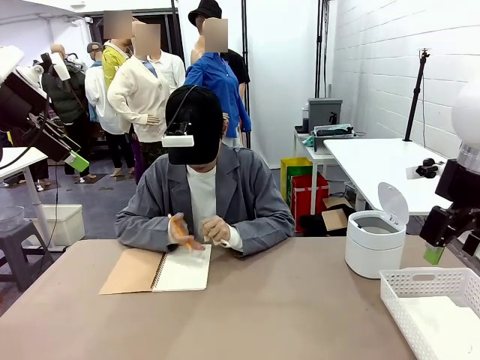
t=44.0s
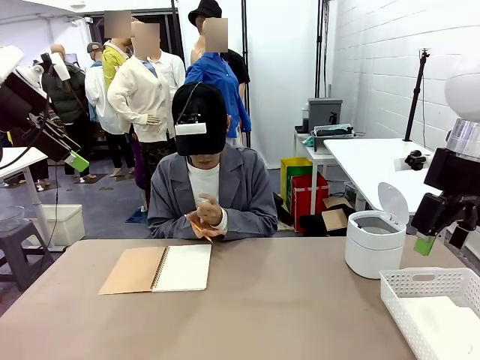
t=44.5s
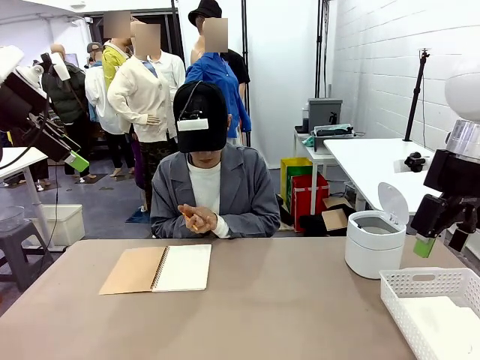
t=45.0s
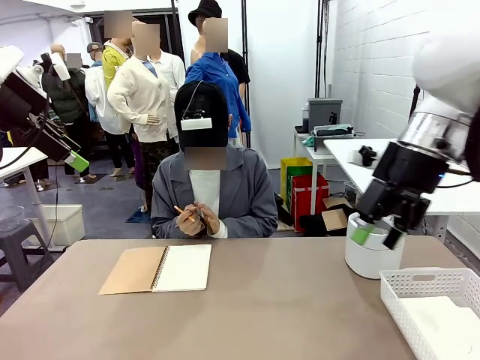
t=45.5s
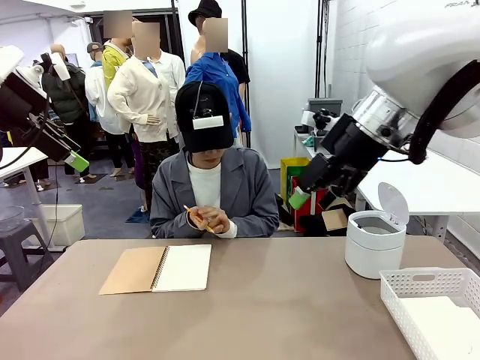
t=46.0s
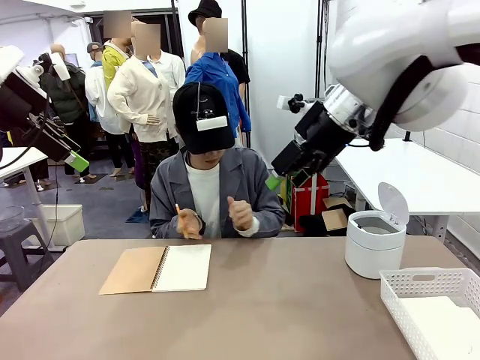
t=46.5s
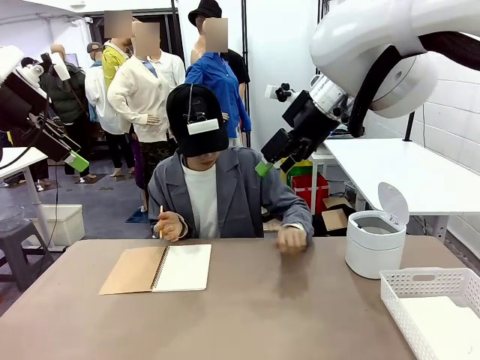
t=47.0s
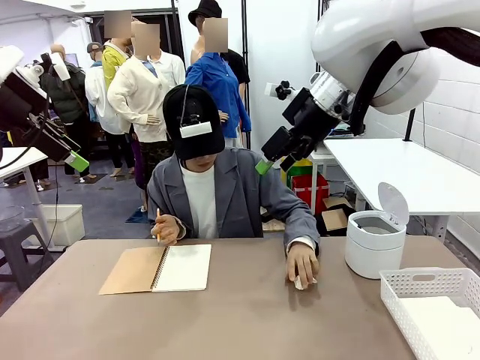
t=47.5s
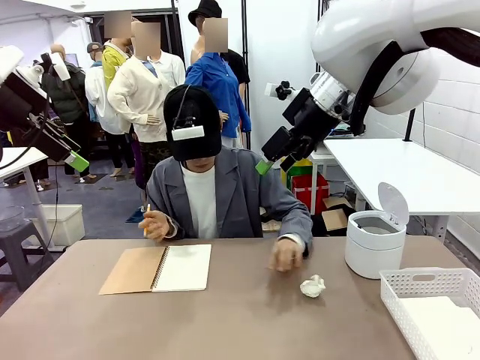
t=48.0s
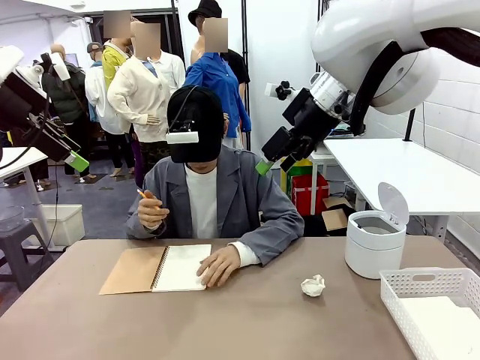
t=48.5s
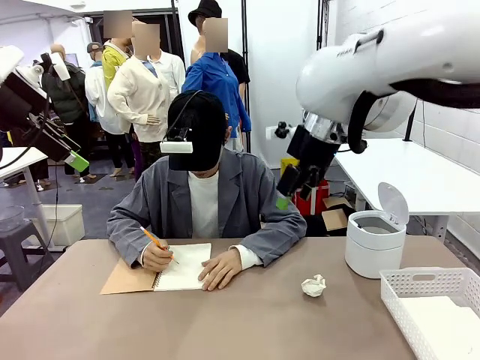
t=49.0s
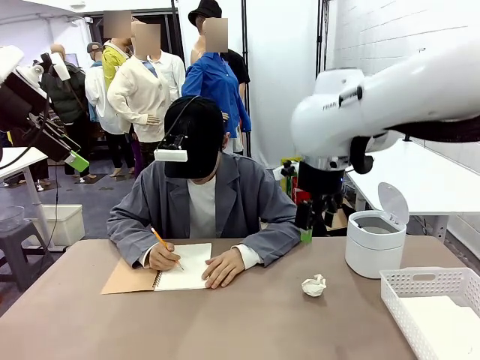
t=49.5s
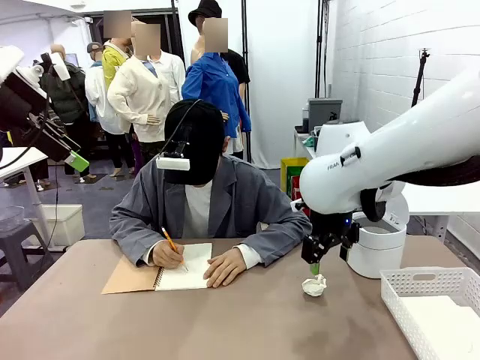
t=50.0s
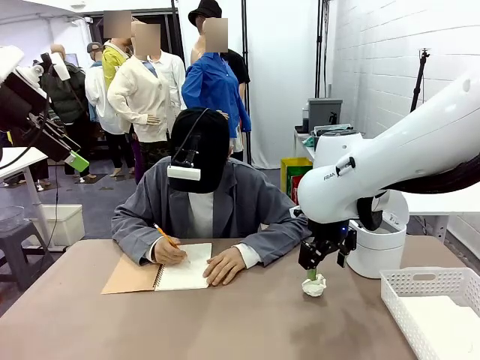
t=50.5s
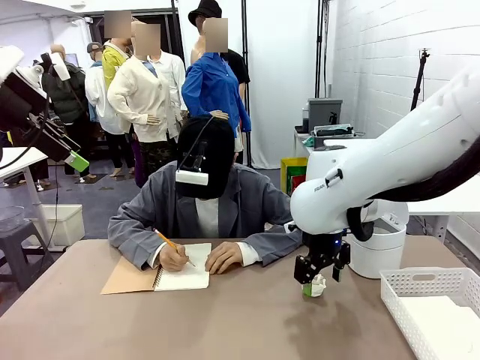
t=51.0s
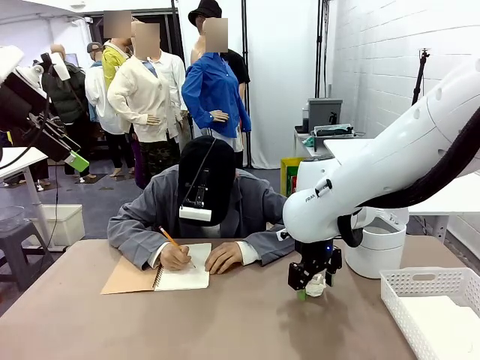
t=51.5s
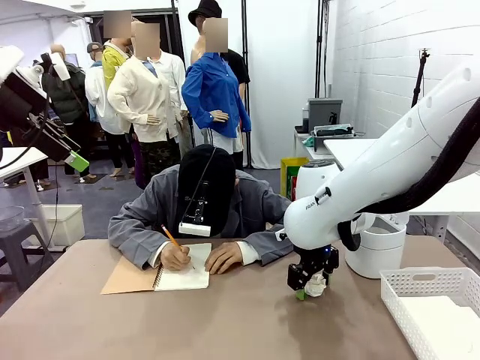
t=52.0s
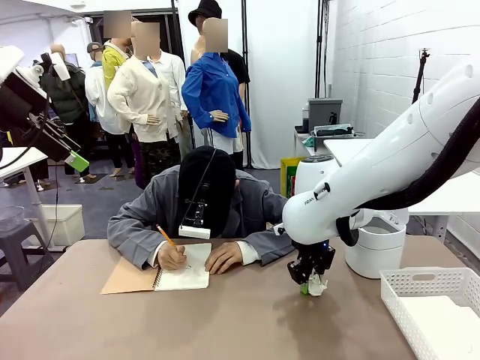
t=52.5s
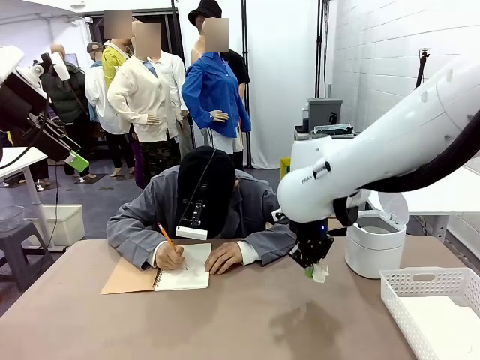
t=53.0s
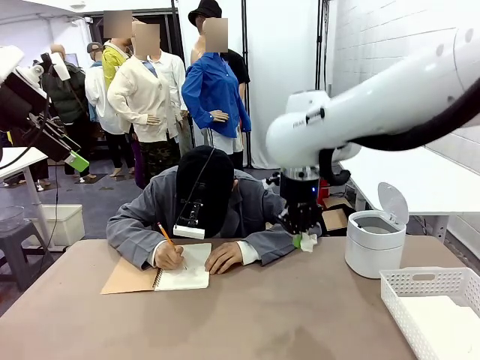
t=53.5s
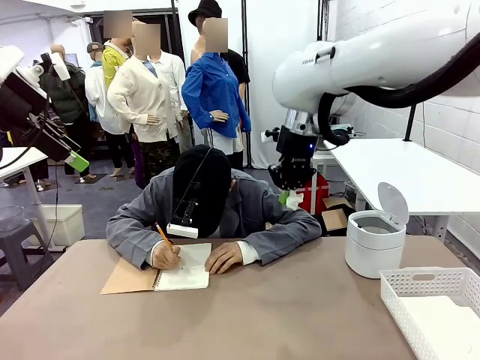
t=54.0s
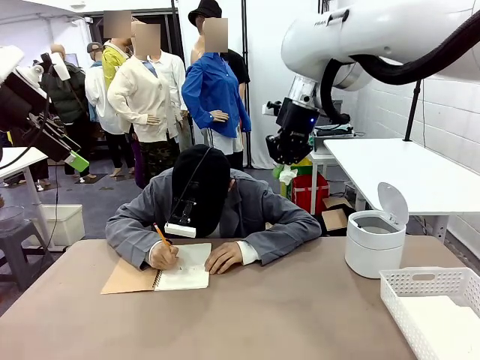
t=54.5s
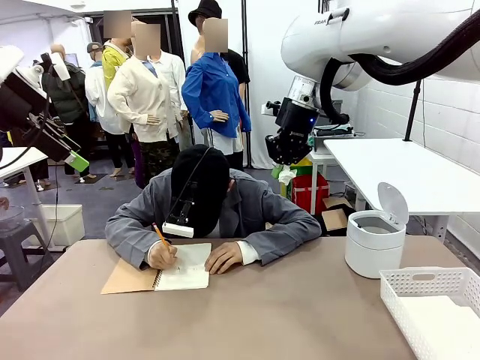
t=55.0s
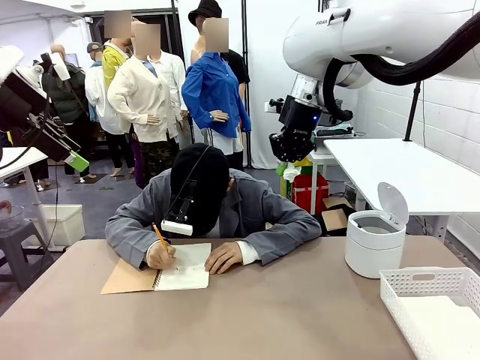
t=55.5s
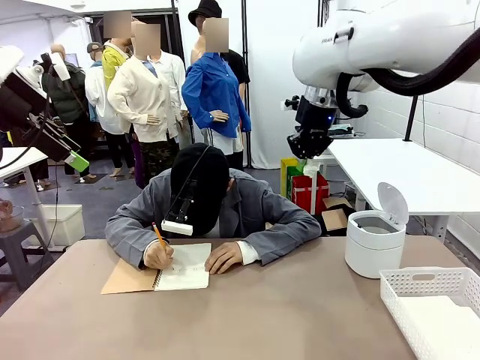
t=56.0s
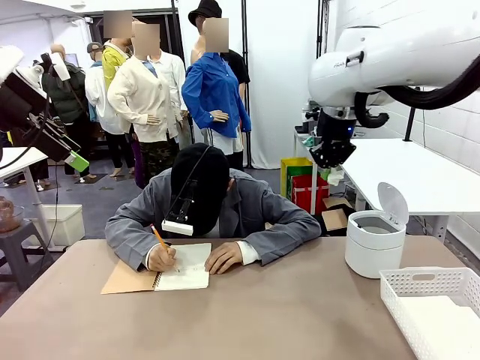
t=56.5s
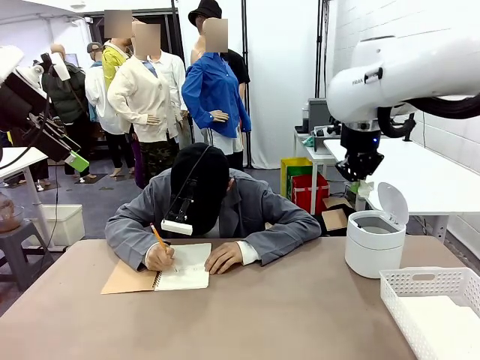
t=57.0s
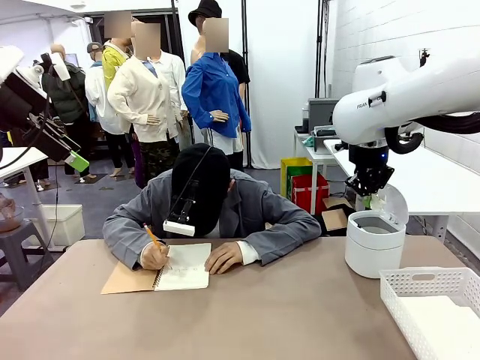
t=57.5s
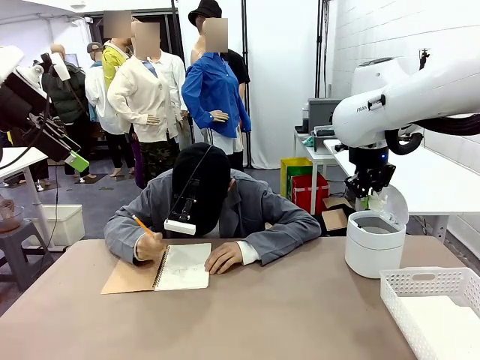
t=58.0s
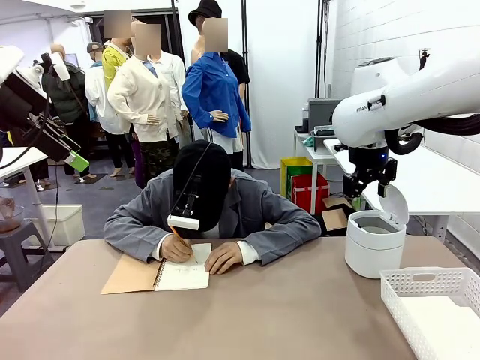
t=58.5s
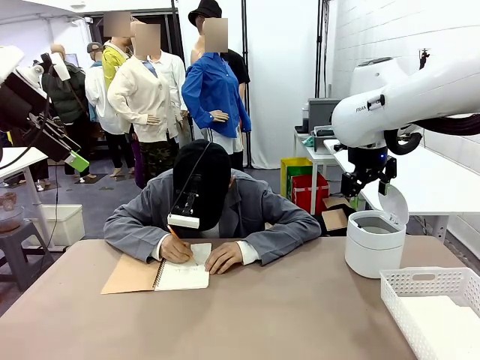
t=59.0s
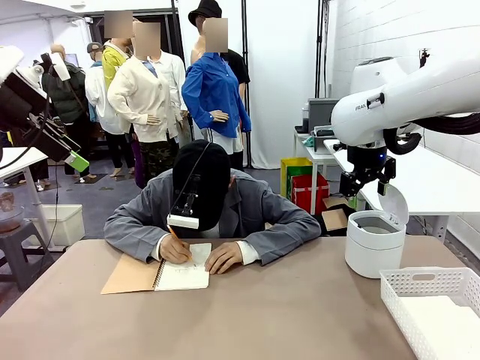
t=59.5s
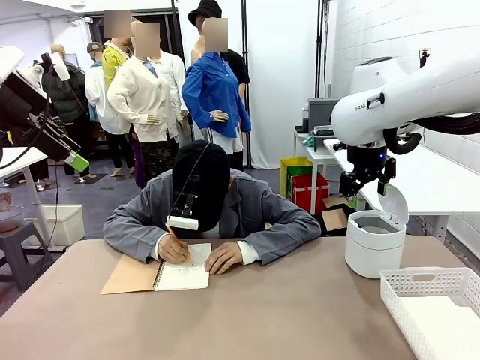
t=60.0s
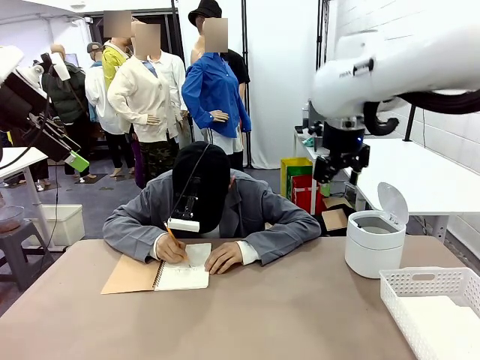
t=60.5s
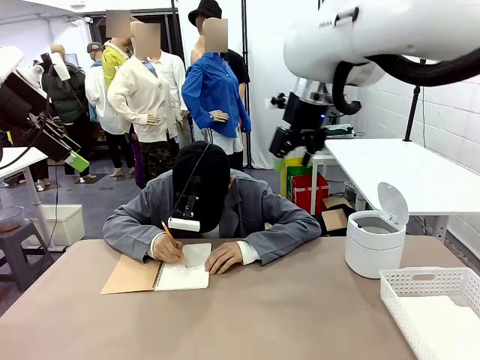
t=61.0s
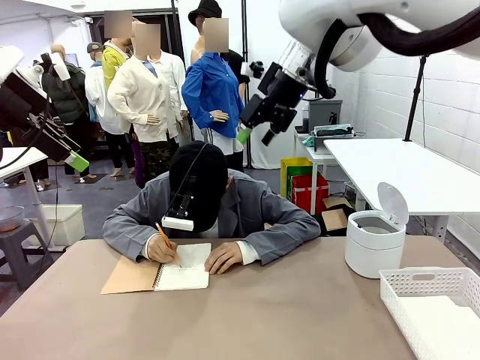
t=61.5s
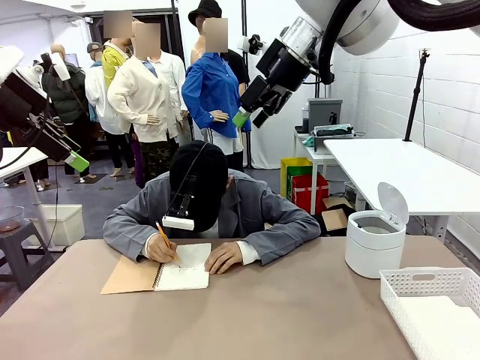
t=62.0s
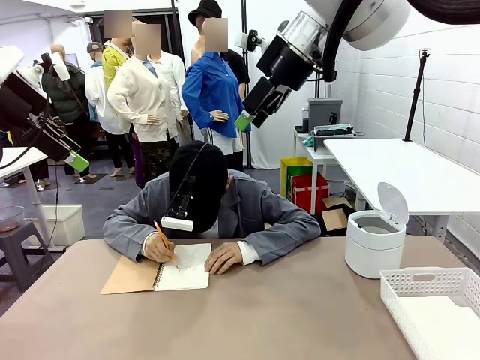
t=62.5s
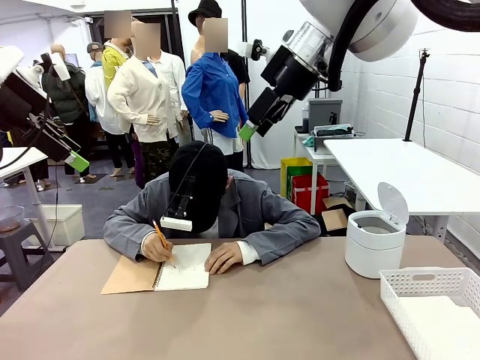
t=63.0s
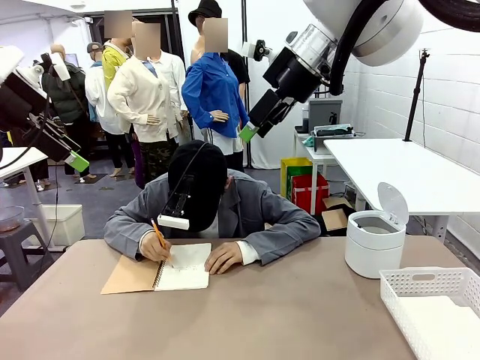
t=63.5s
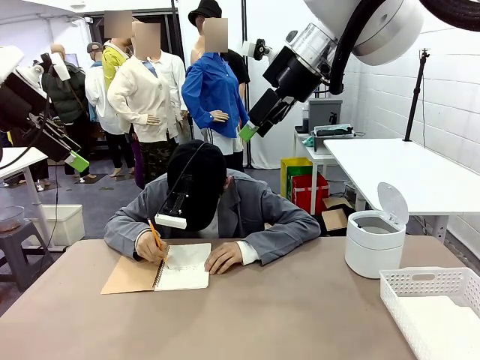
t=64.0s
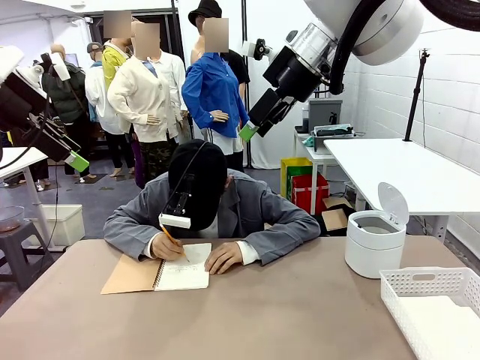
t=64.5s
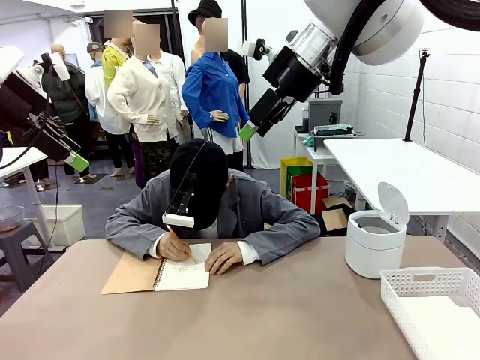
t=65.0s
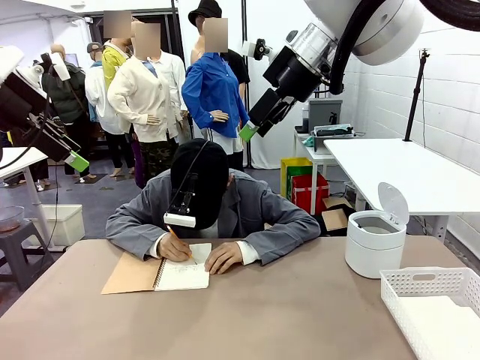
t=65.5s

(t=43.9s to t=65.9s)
Task: Sort the paper based on its condition.
Robot: If a person hands you a paper, place it in the Organizing basket , and if it's crumpled, put it in the Trash can.
Person: Hand the torn page to the robot or crumple it and throw it to the center of the table.
